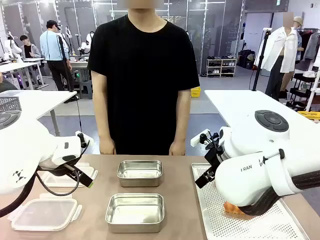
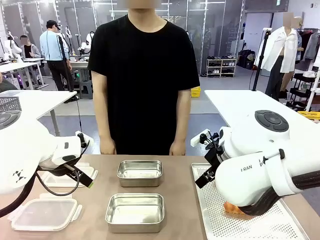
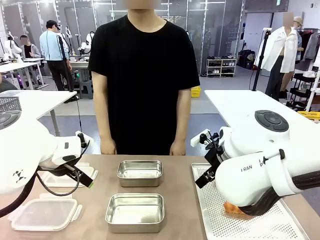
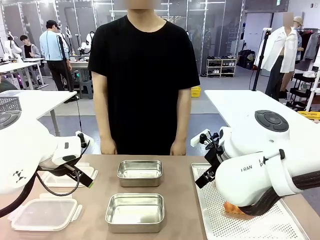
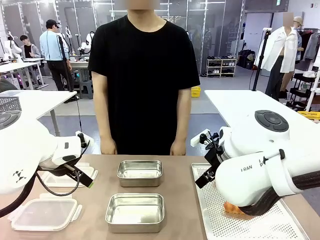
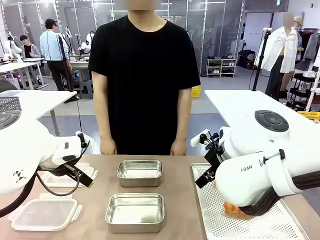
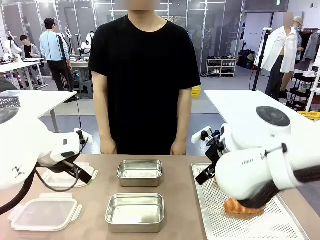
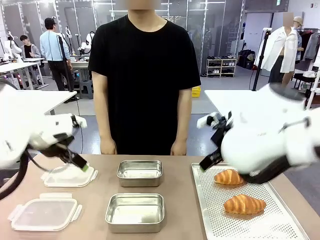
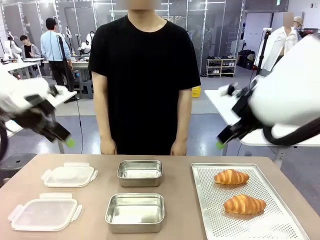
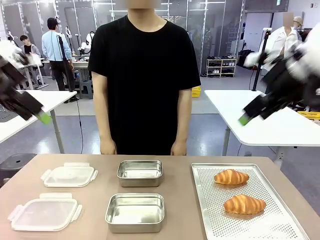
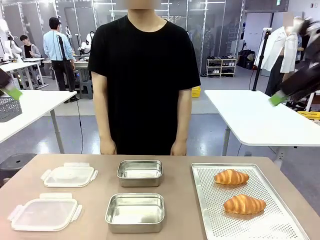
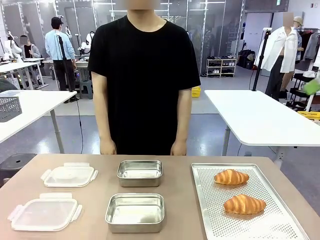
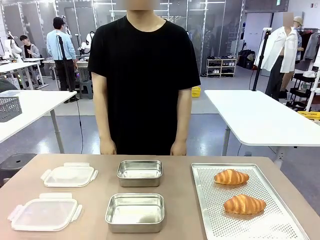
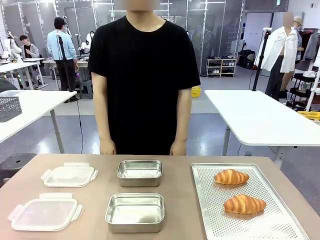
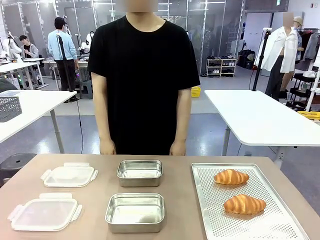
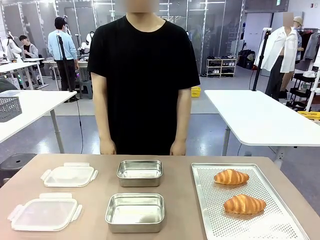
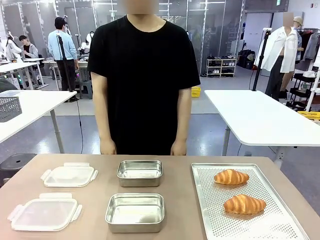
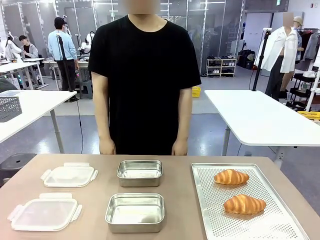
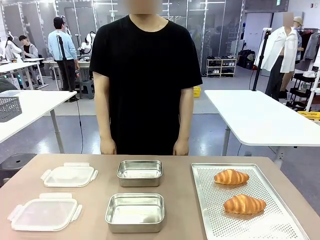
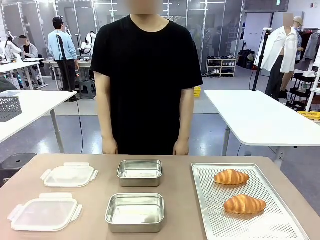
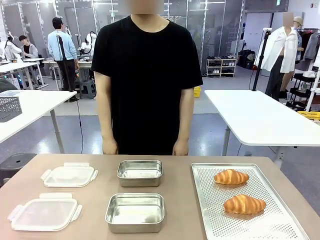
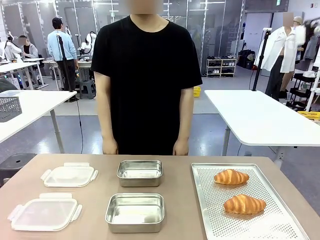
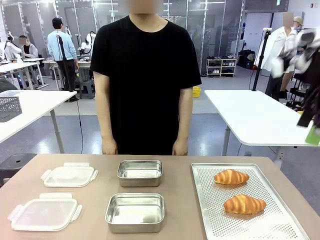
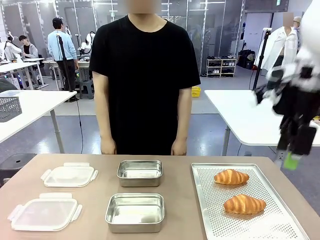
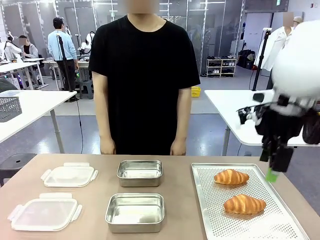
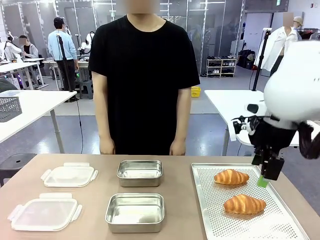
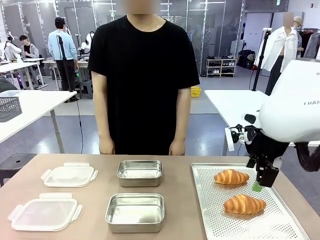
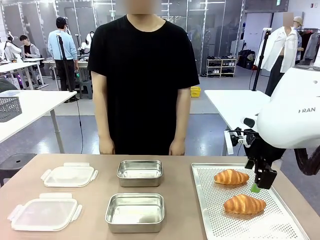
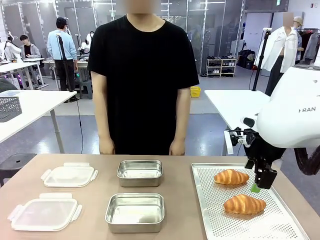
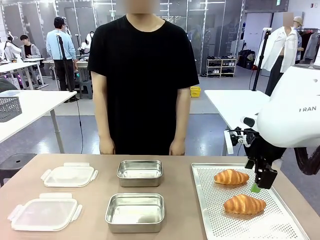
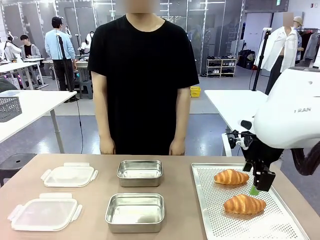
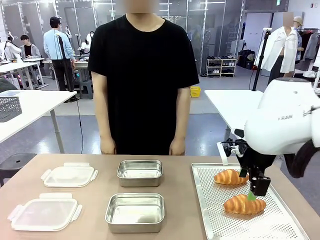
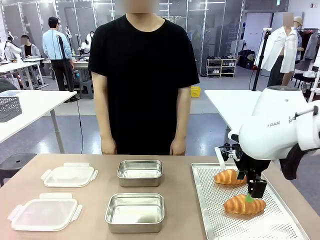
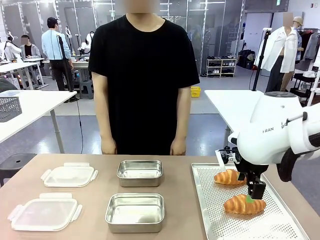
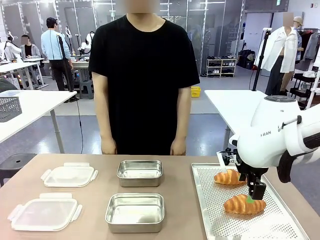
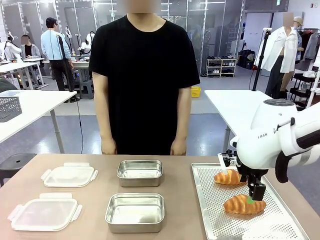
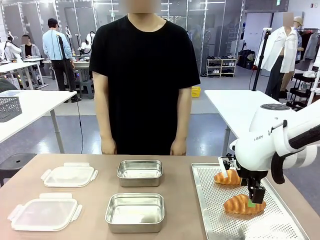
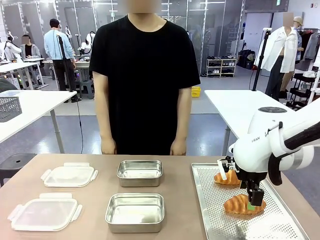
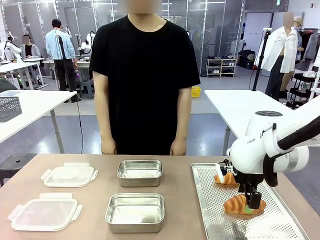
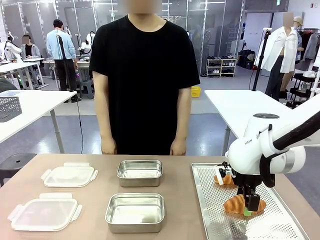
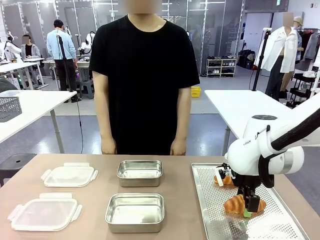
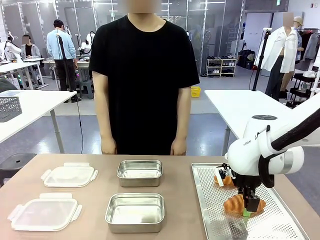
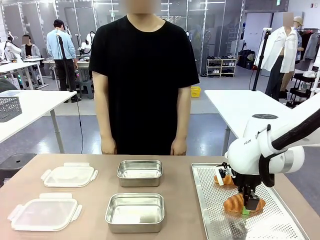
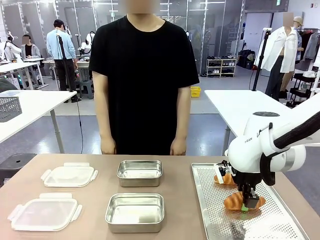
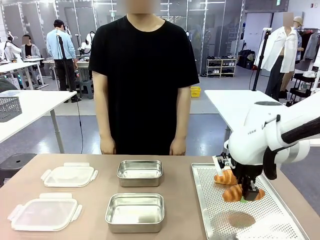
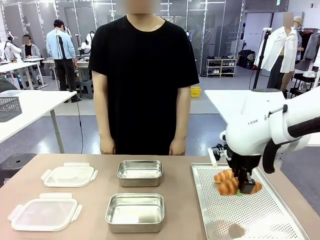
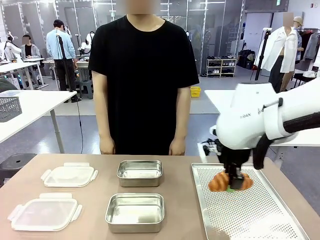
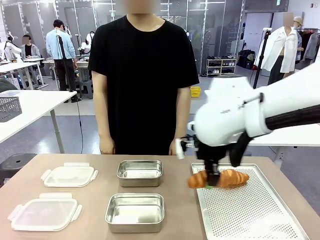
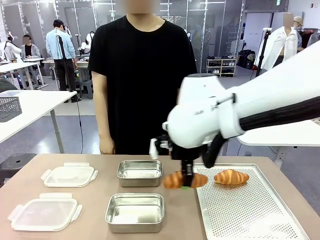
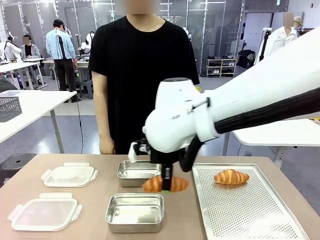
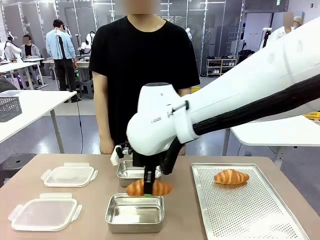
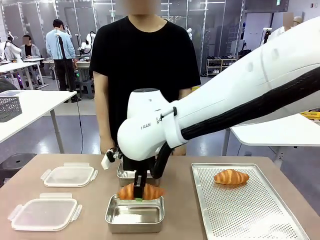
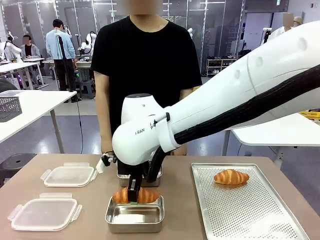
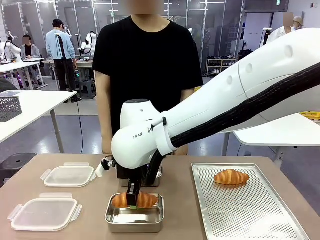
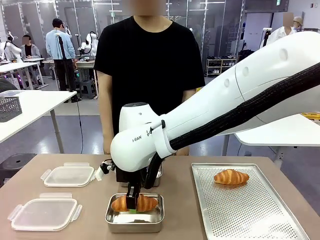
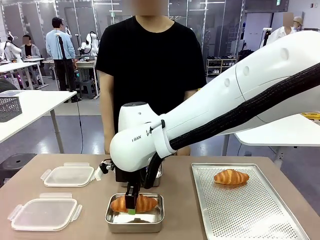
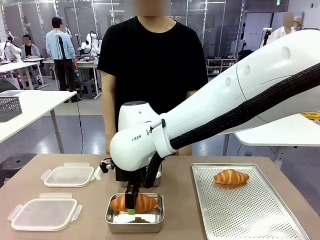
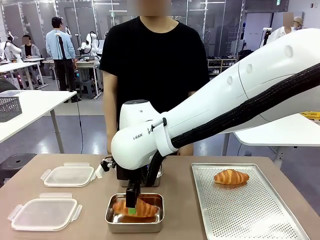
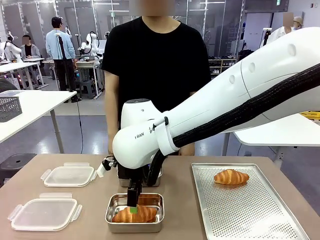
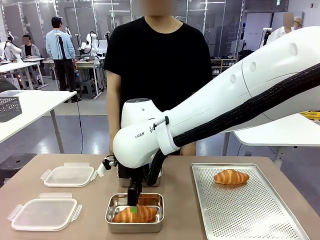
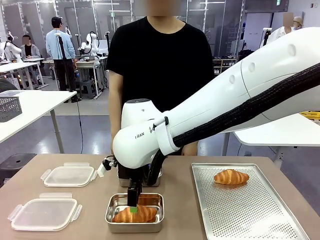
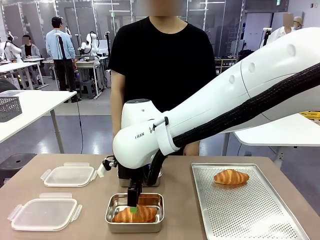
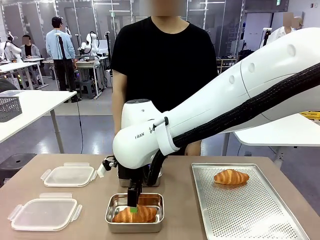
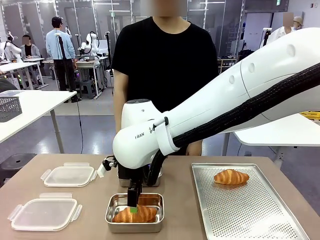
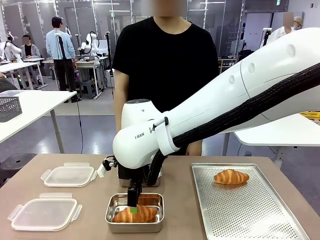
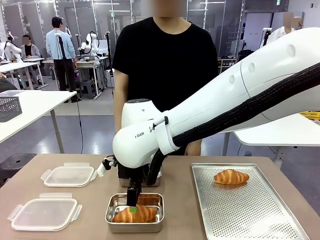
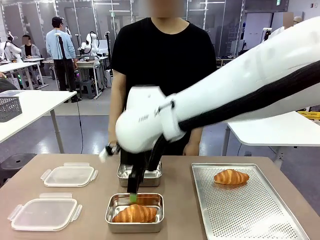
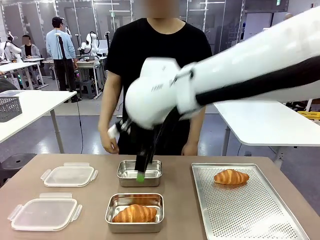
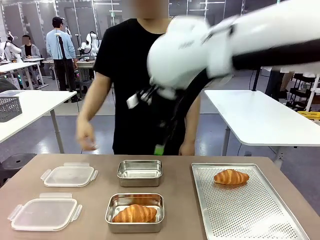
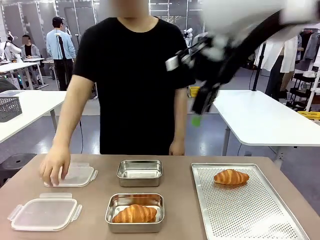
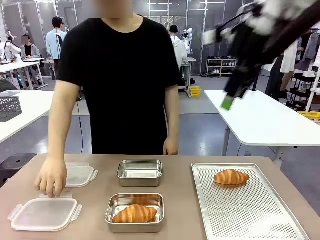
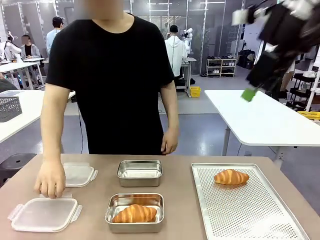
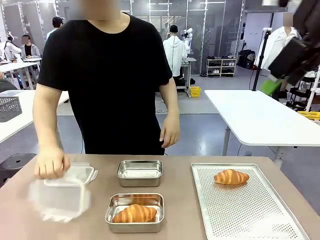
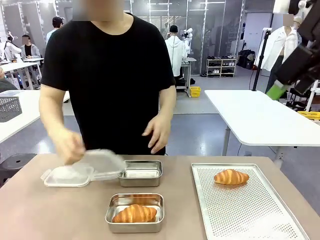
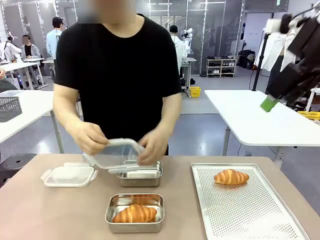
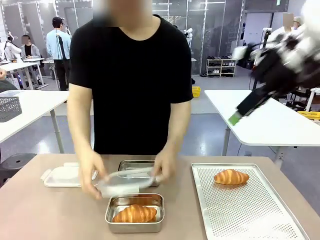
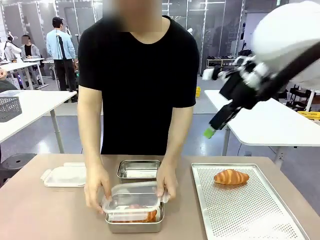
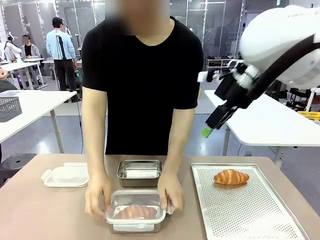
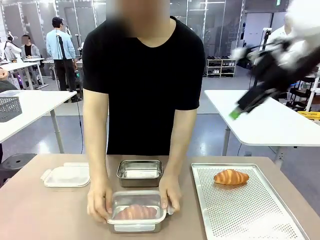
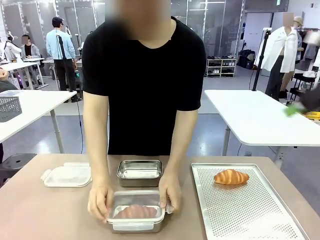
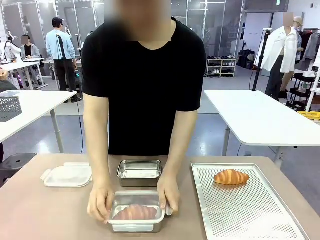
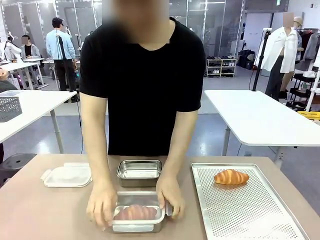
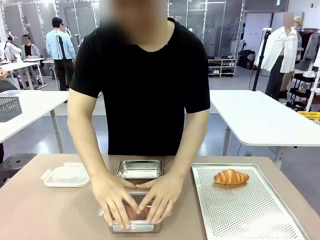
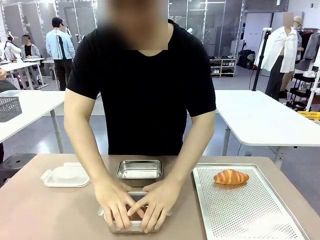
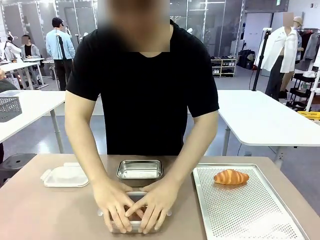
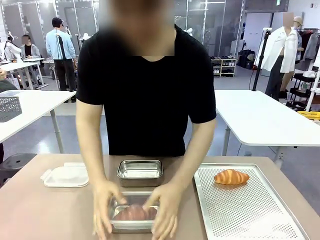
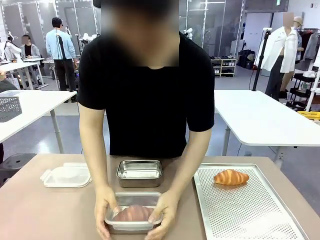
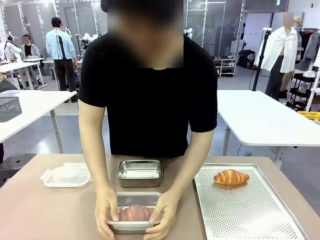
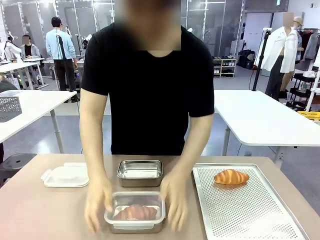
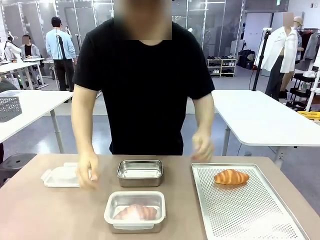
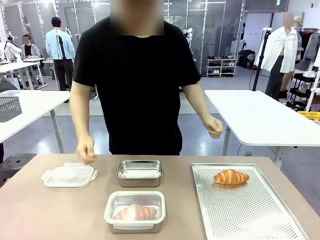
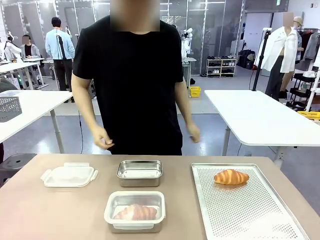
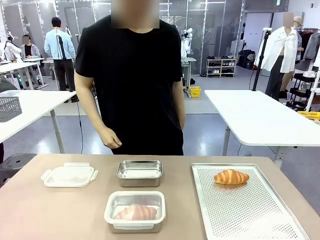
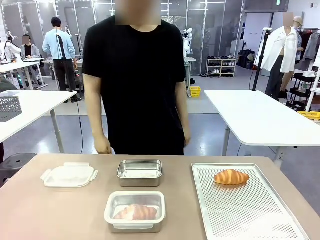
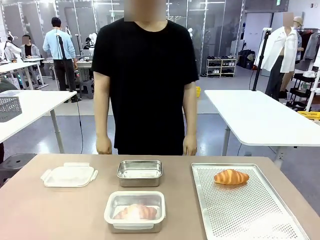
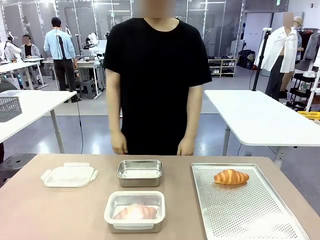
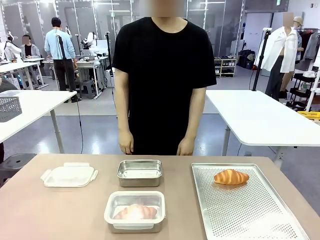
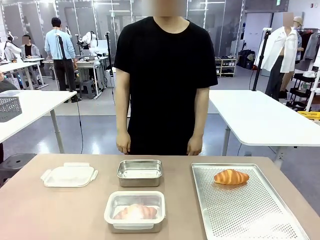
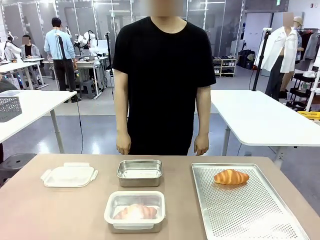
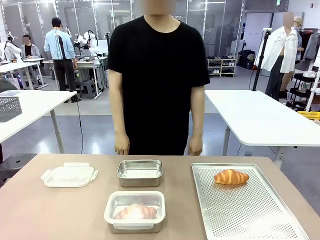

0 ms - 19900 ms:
Task: Place the bread into the airtight container.
Robot: Pick up a Butter Roll and place it into an empty Airtight Container.
